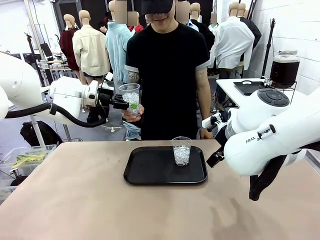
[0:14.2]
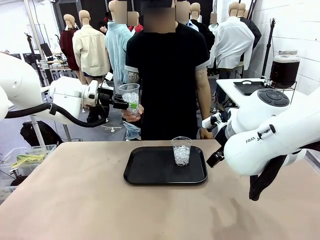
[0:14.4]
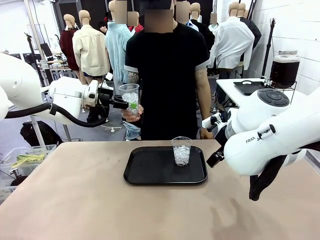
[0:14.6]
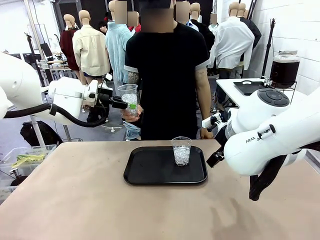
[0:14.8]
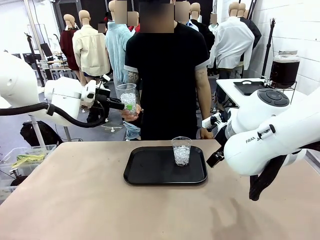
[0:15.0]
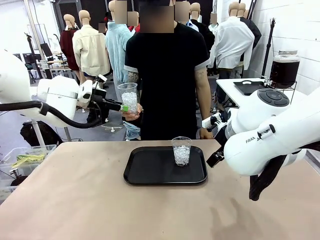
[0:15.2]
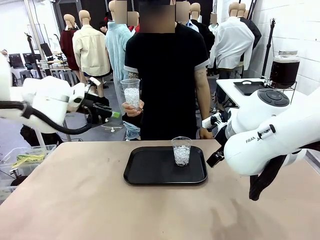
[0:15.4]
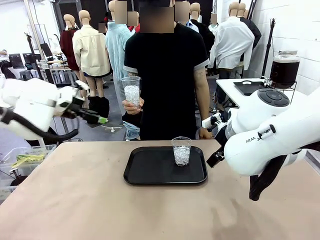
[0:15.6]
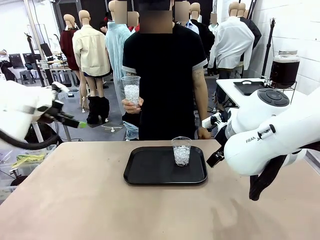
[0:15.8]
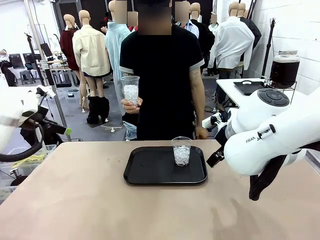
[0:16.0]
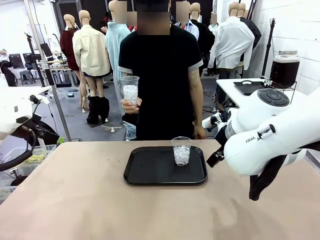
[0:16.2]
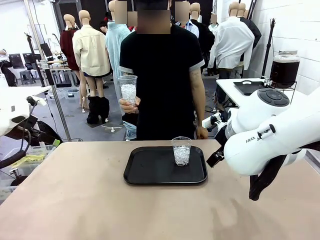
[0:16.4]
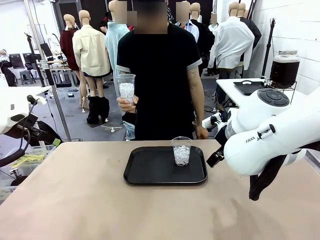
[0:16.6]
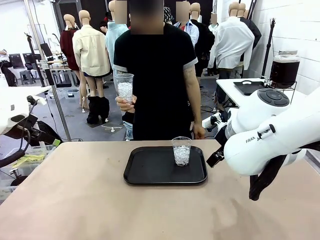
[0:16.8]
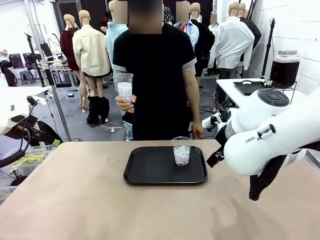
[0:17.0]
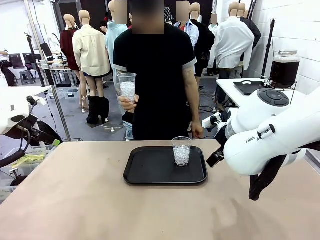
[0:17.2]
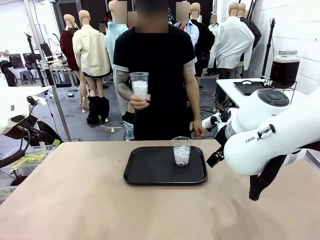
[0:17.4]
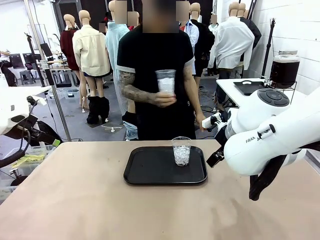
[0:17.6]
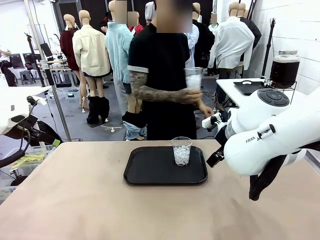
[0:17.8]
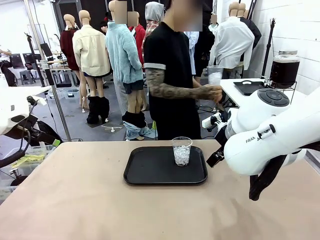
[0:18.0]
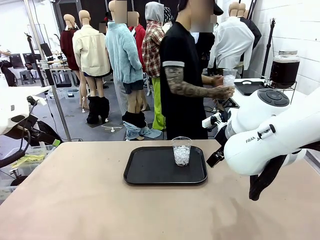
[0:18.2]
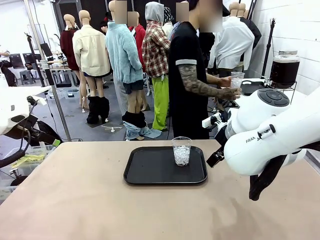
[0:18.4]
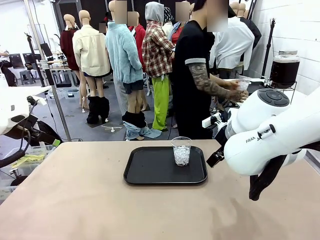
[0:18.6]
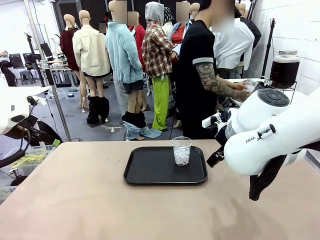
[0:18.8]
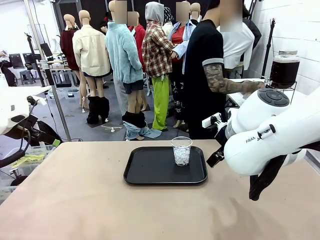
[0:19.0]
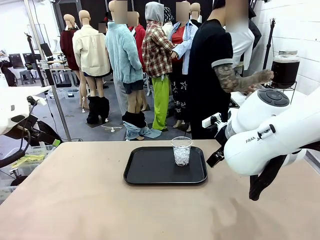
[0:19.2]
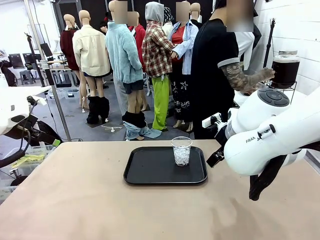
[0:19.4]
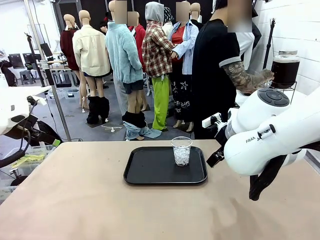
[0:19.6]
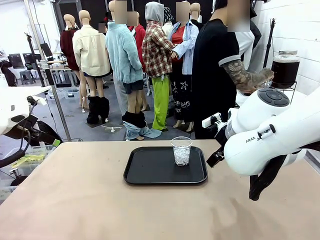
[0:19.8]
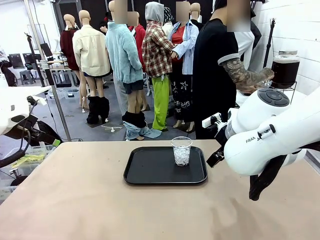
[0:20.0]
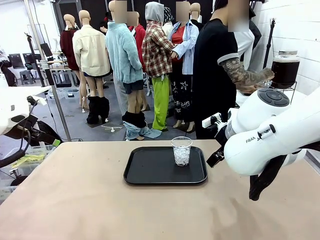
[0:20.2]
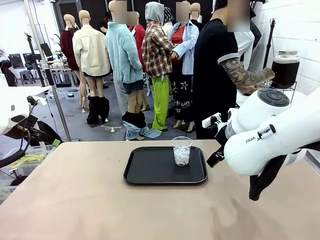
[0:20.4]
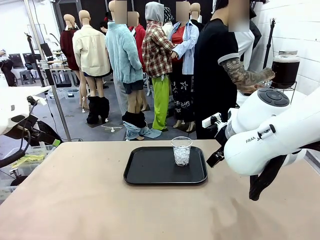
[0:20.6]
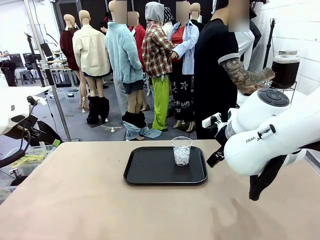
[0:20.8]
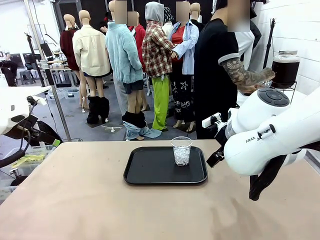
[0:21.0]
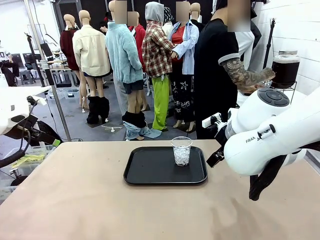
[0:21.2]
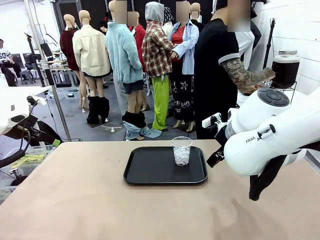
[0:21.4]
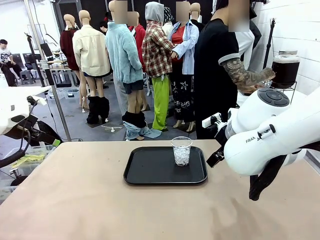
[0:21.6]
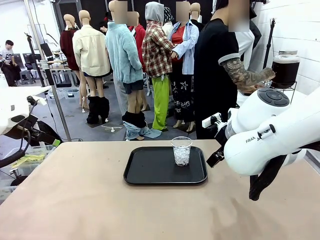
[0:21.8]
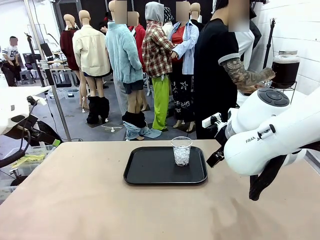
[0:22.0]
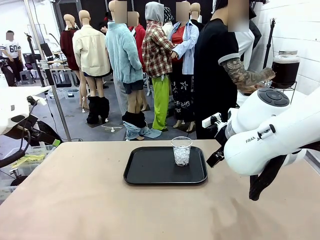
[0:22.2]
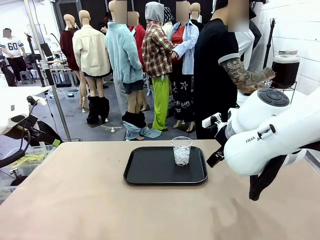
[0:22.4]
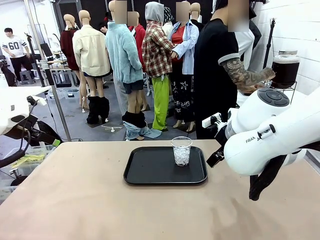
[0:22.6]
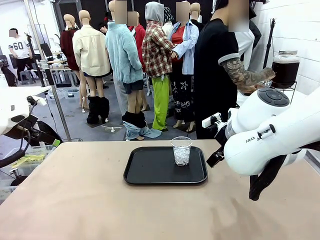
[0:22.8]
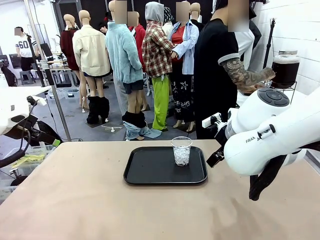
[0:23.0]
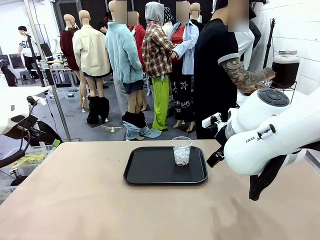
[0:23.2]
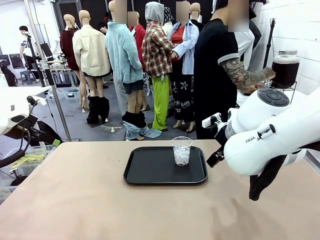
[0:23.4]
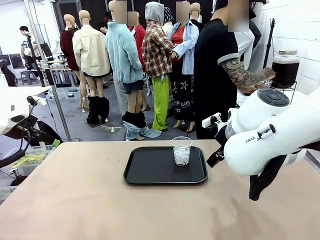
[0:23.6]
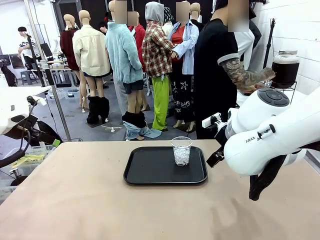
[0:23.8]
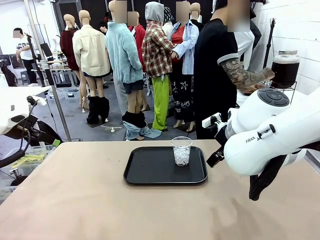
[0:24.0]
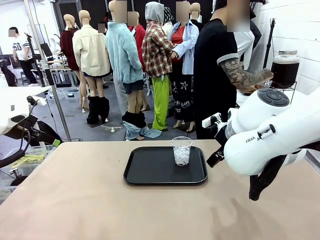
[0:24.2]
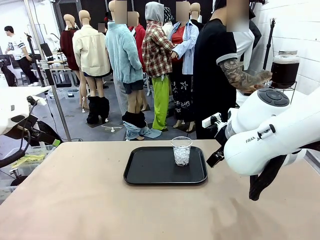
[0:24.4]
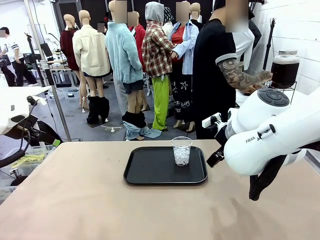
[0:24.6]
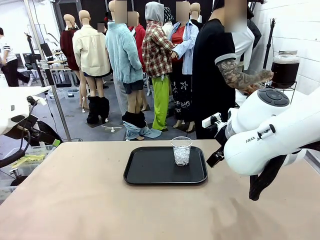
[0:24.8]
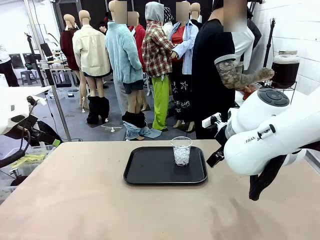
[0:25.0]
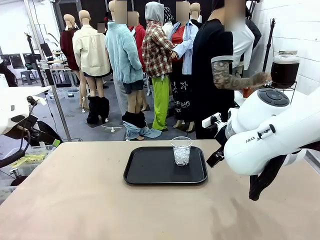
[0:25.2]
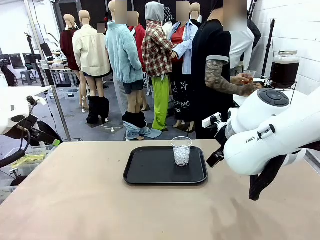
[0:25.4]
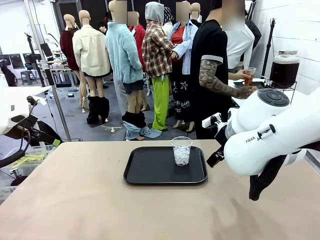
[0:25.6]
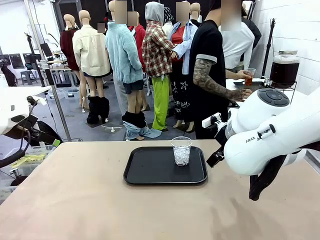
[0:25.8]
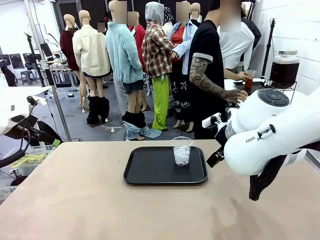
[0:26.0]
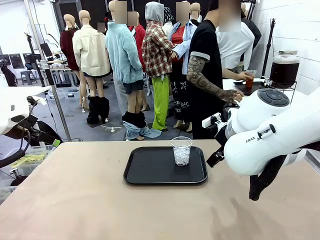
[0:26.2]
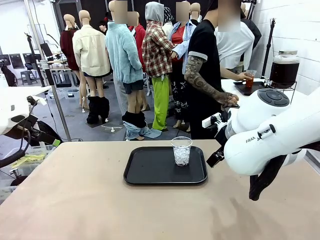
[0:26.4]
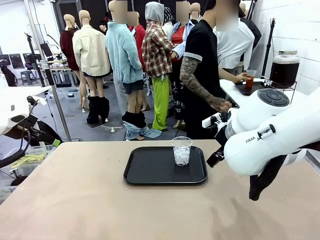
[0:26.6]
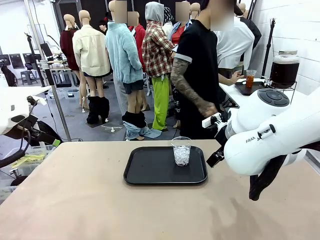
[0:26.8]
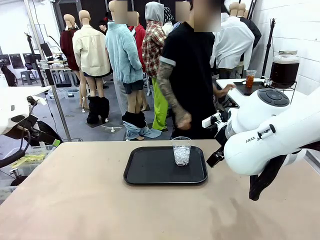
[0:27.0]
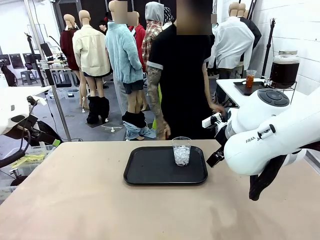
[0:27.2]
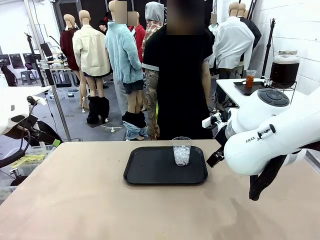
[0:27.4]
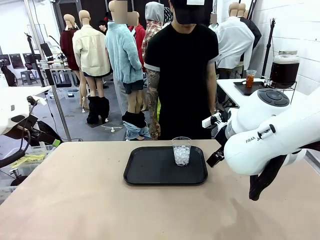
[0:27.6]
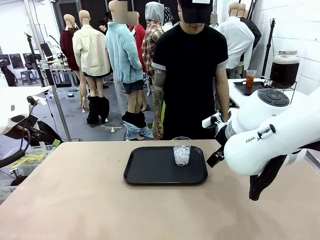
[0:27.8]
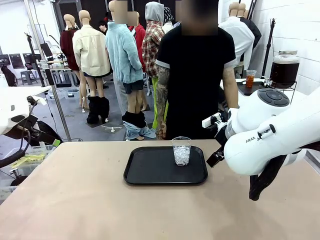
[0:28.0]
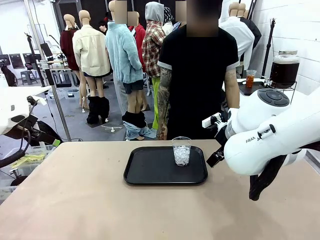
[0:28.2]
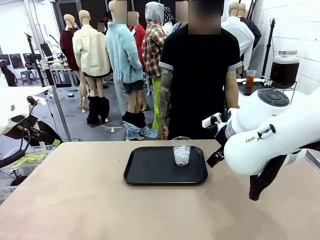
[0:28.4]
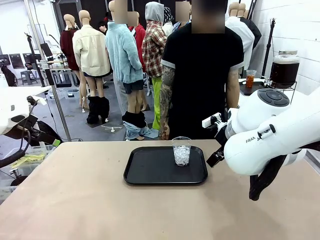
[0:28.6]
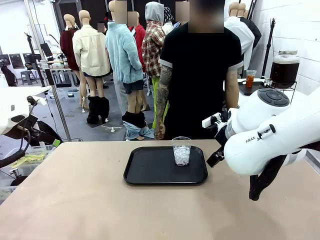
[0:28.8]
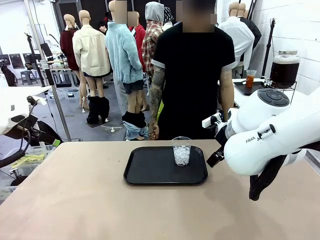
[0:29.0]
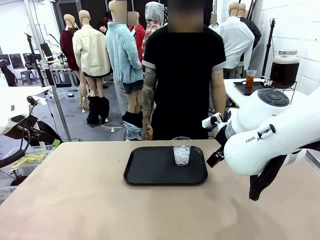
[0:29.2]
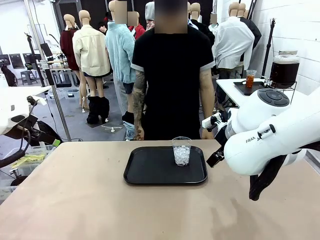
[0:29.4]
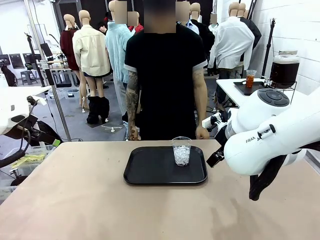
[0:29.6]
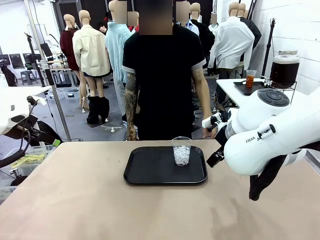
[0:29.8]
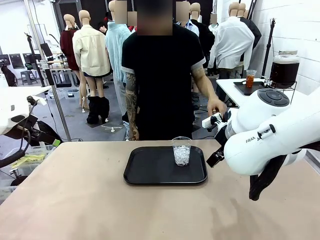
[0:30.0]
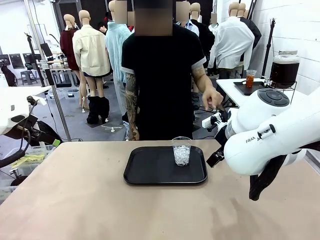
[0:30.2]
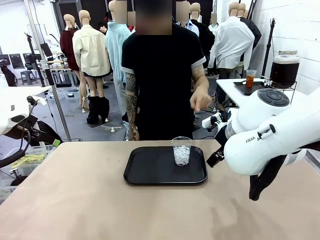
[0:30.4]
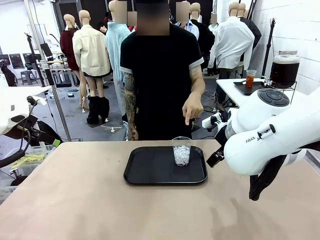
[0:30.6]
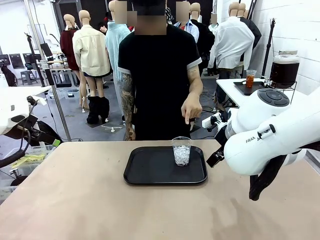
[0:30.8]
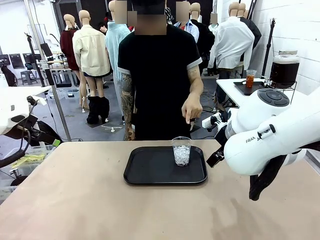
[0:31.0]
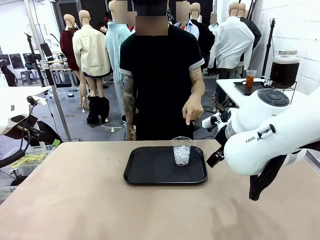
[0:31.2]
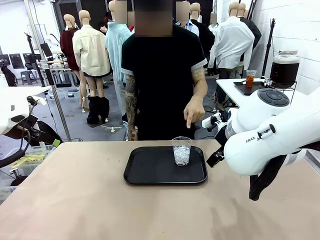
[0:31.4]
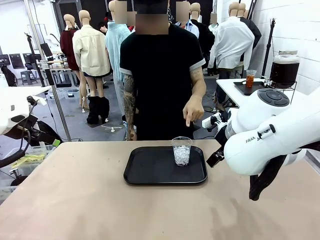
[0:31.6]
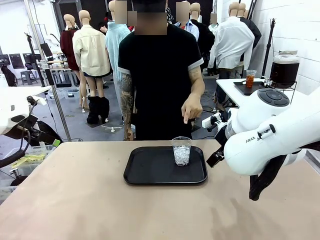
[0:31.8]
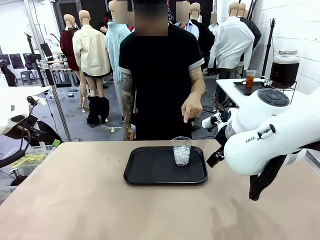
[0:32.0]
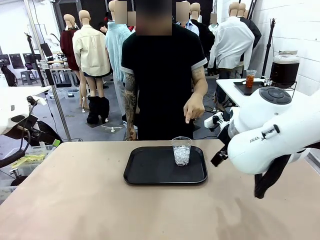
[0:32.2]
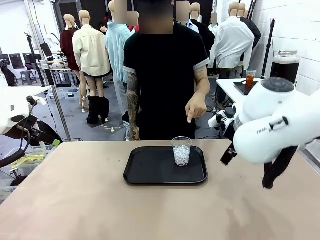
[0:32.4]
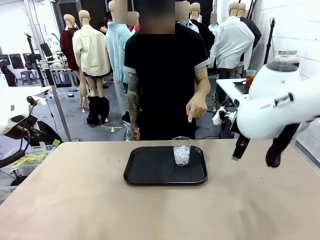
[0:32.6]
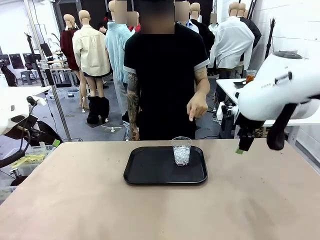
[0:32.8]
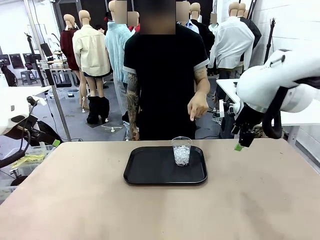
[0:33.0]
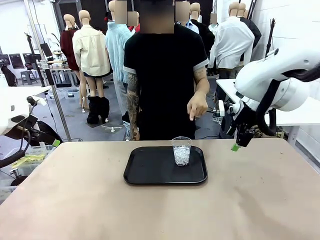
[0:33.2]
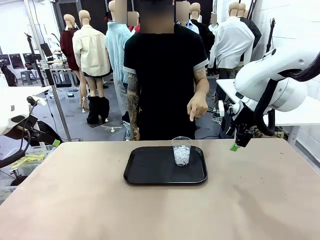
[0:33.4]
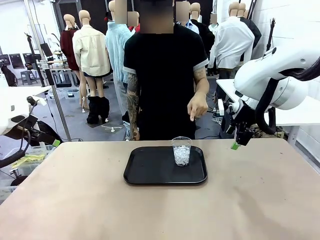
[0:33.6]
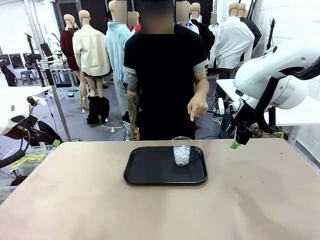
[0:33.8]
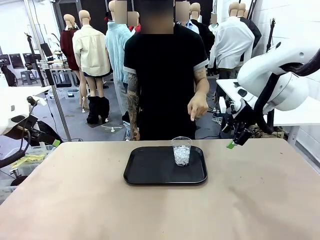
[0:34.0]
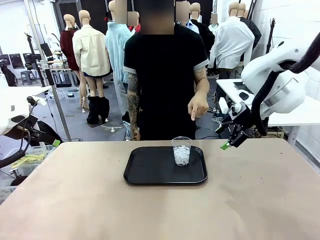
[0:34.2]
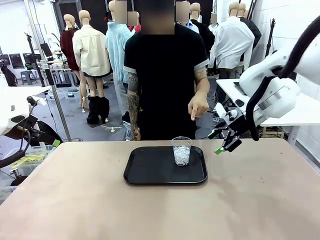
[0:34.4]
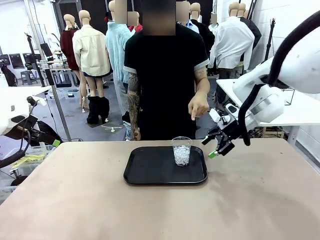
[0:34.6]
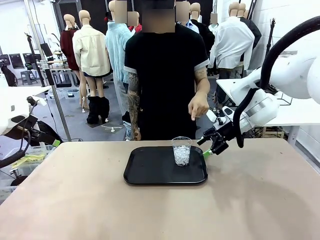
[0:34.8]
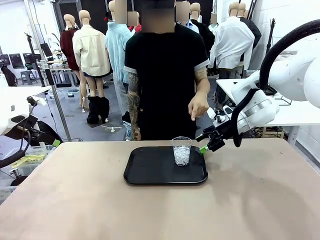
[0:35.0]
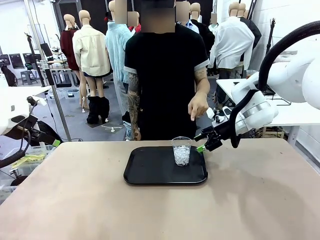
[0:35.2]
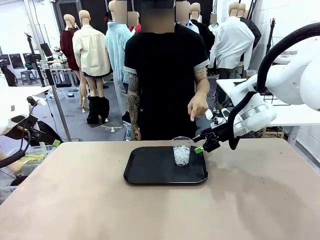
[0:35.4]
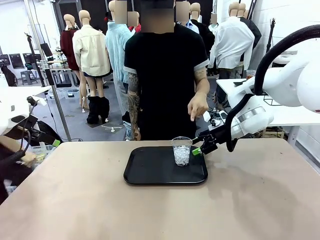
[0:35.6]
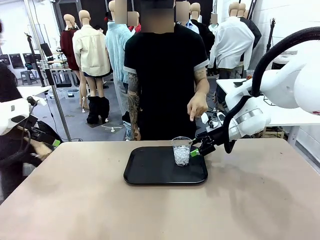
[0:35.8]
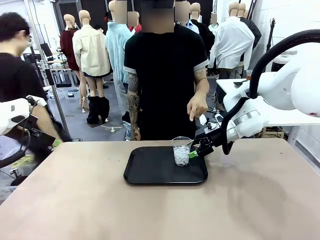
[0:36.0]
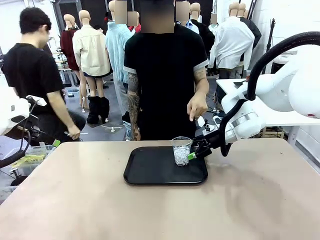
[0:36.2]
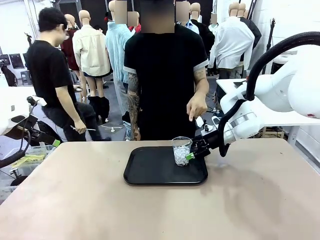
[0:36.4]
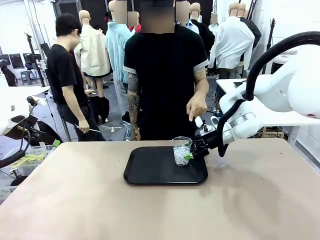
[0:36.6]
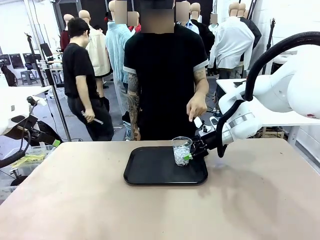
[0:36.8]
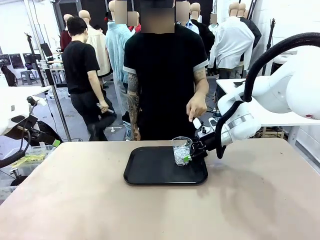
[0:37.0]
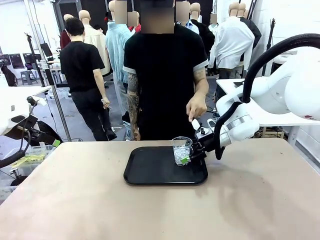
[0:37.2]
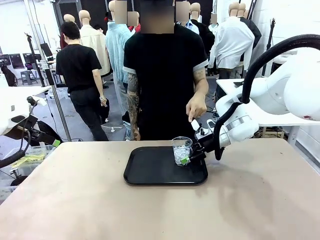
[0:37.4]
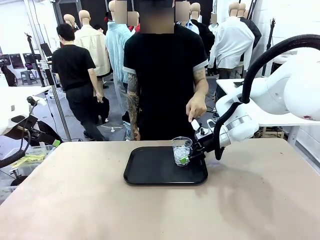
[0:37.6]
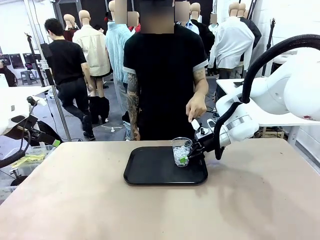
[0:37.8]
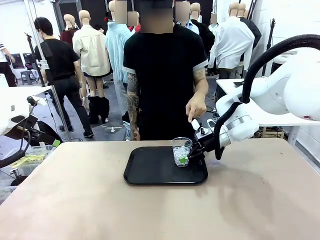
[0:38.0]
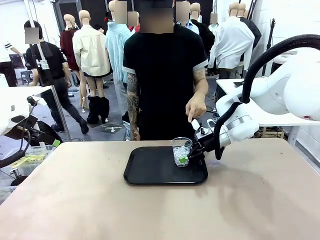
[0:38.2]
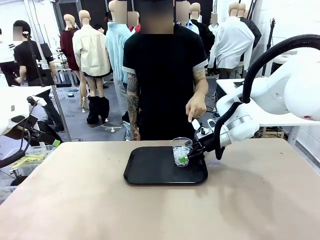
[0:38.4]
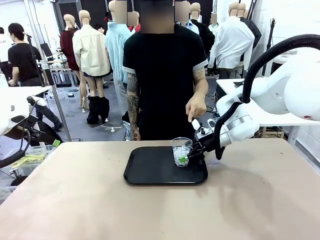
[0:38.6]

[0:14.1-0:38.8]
Task: Pour the drink into the iced cup.
Robot: Pick up the iced cup indicated by the human and present it to them.
Person: Move the picked-up cup under the dispenser faucet, pour the drink, and place it on the tray on the human table. Point to the remaining ice cup on the robot table. Pick up the cup offered by the robot.
